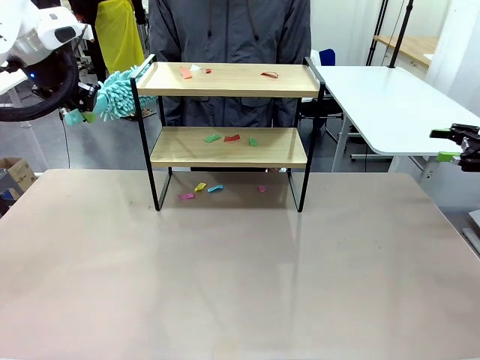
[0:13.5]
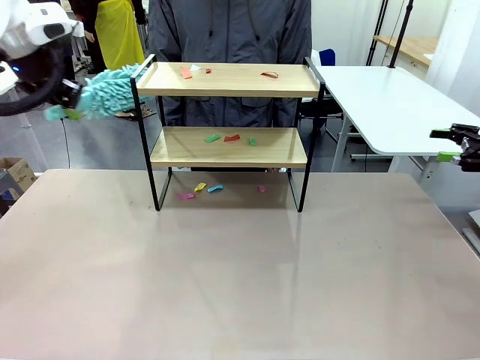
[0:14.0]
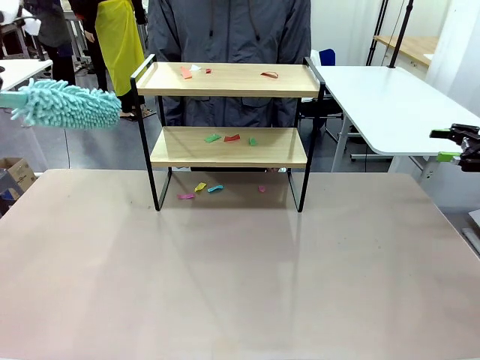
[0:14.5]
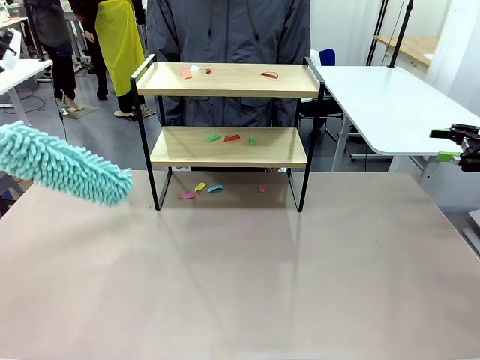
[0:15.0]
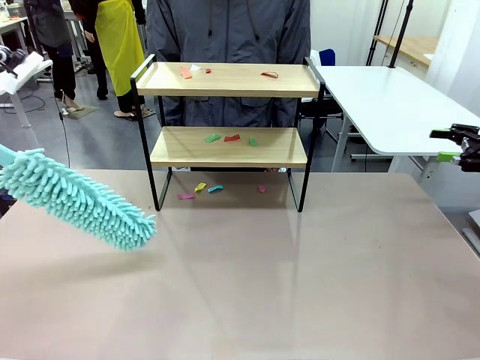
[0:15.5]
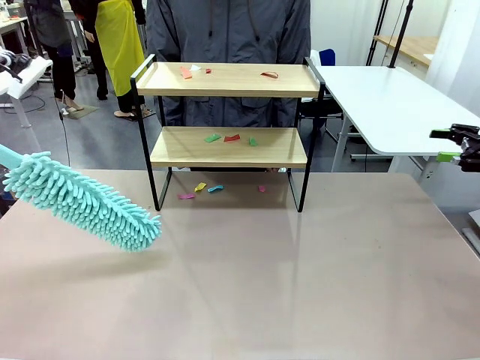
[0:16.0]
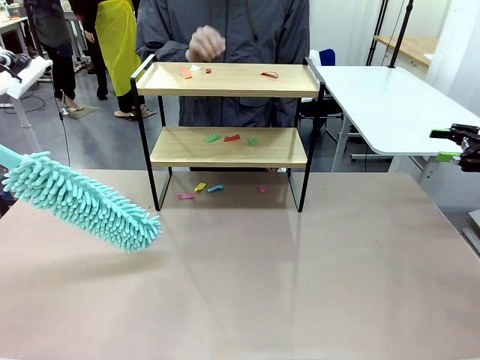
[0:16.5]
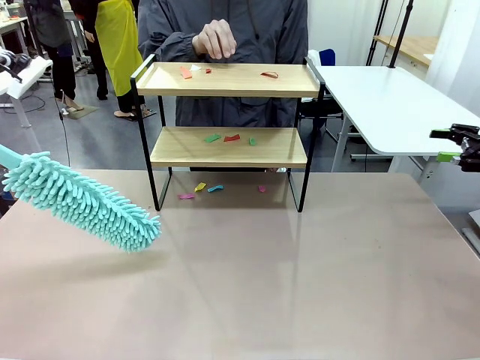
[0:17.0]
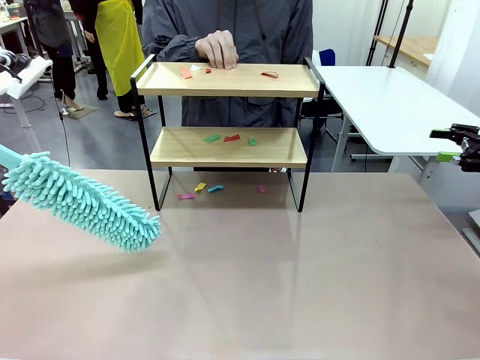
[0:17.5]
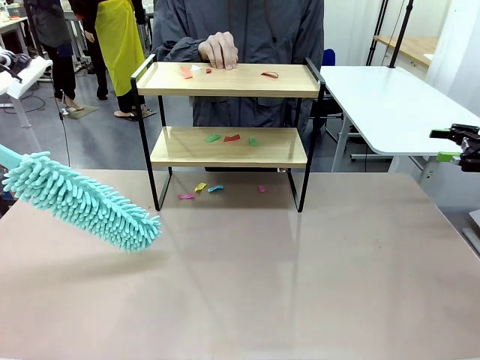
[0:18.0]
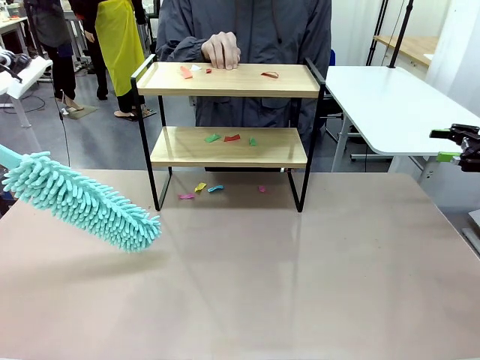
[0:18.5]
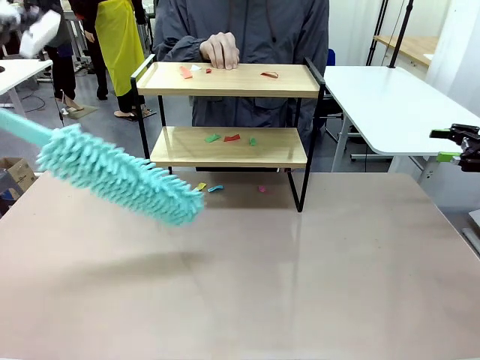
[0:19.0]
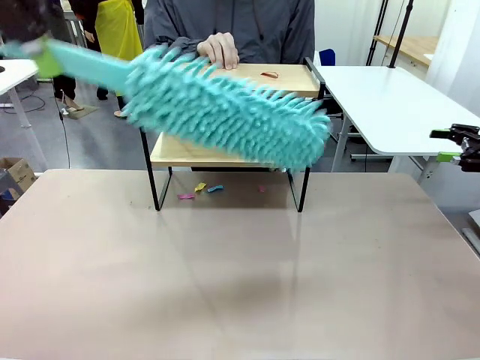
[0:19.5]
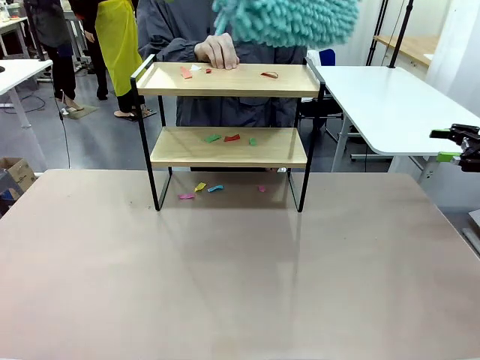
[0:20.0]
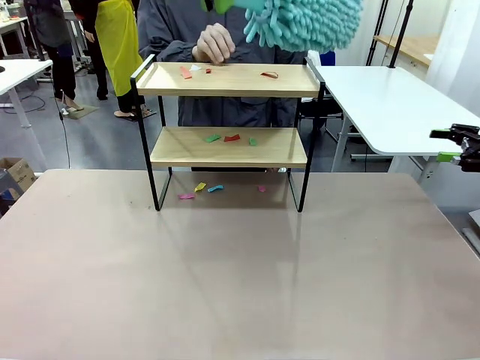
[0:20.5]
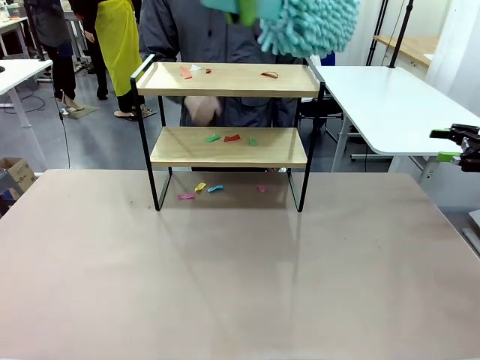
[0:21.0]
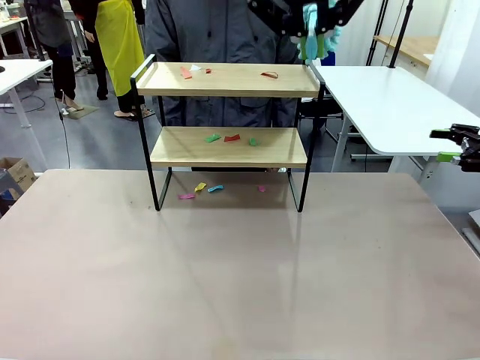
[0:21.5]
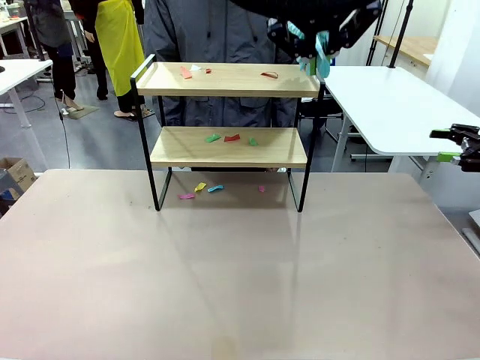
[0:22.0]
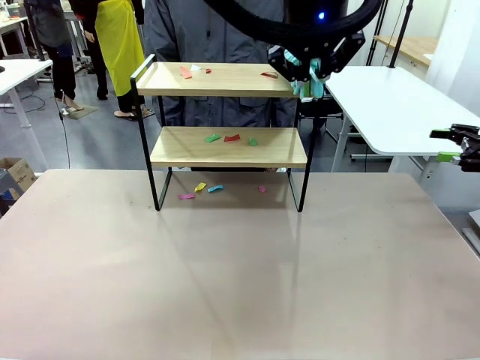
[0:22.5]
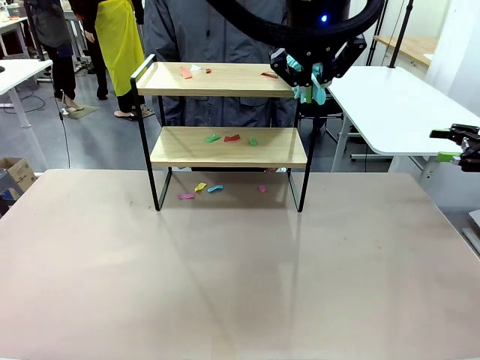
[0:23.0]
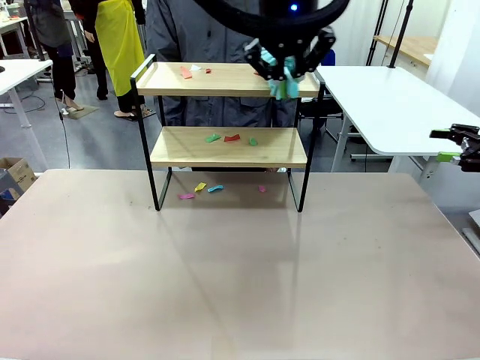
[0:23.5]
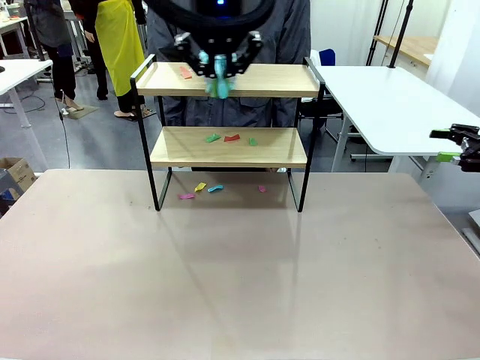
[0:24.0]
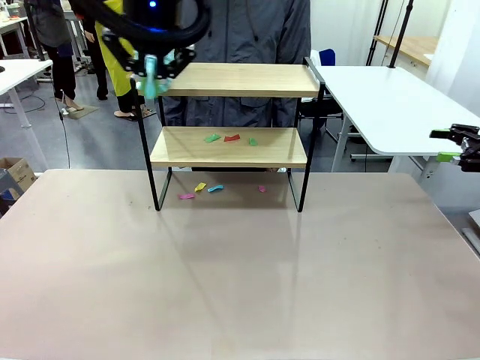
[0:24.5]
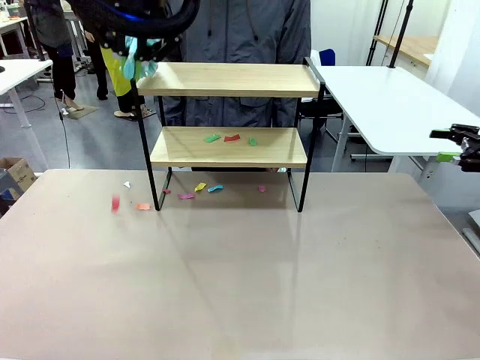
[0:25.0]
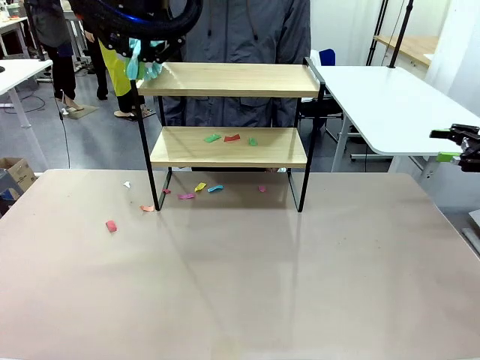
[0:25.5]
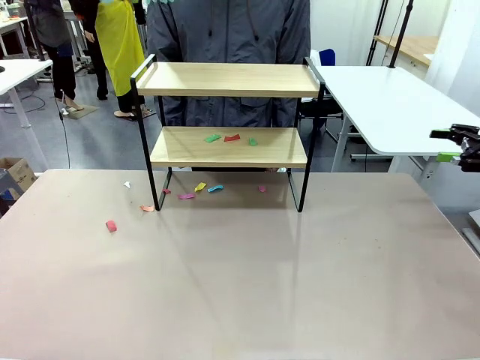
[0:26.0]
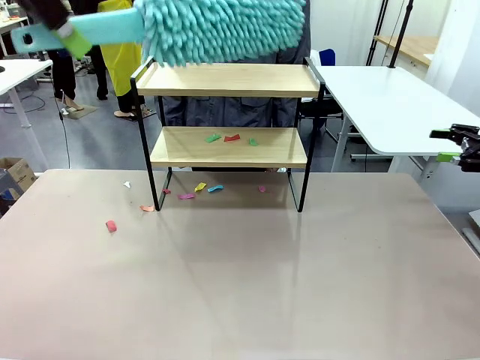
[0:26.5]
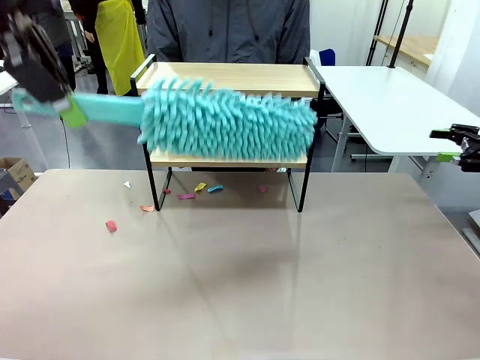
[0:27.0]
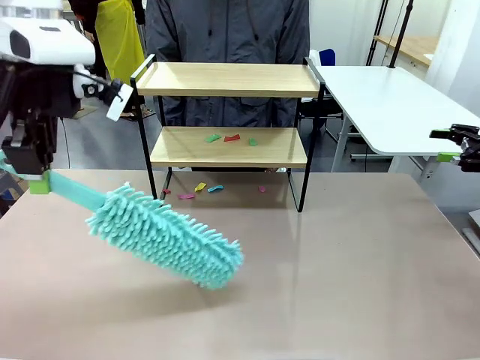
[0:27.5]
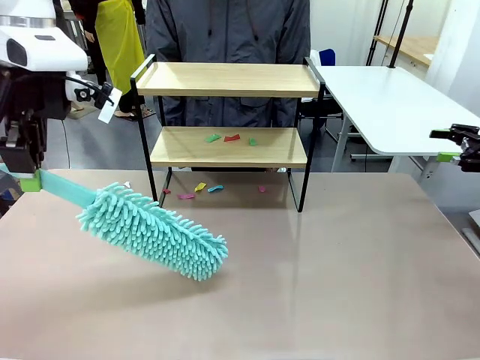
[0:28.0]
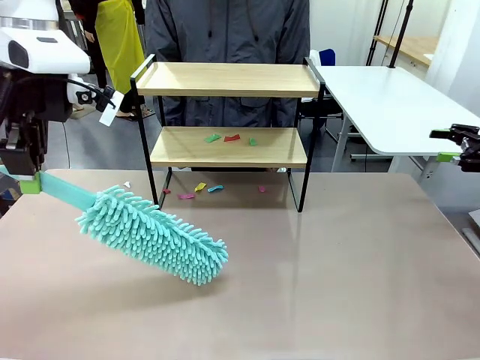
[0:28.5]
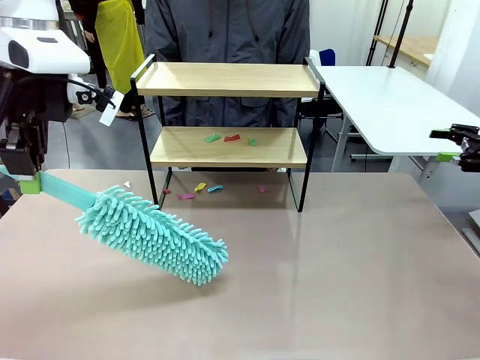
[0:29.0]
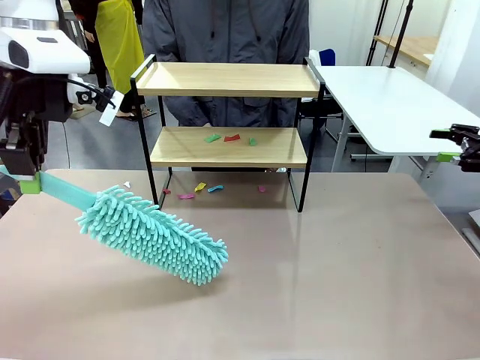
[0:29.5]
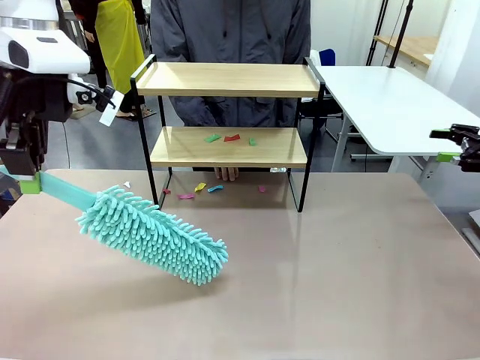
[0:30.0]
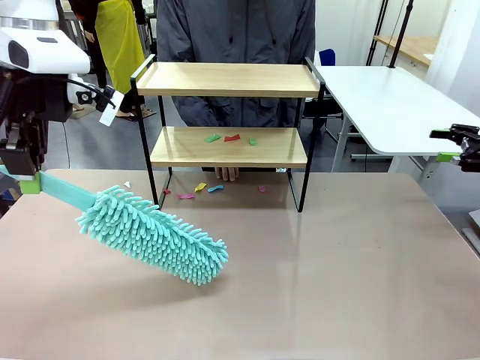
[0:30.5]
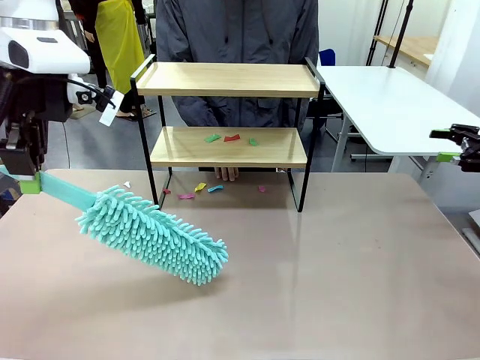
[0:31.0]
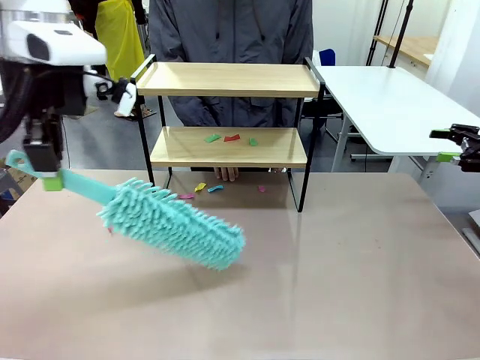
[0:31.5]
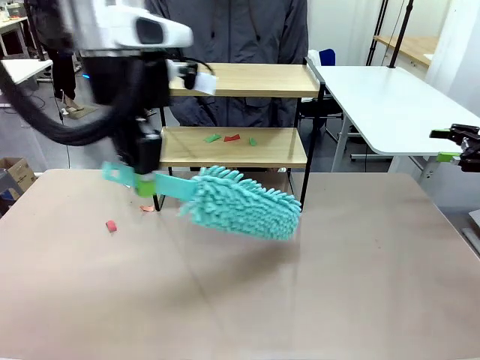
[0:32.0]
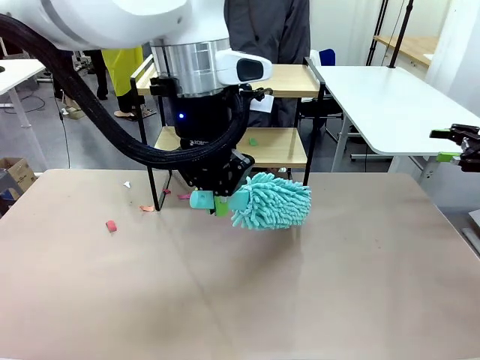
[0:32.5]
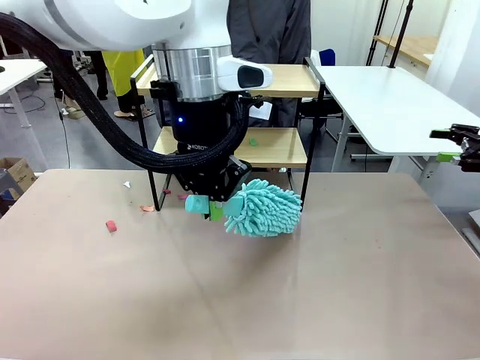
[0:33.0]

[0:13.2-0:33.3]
Task: Clean the shelf.
Robot: Clean the specific section of the Shelf indicated by the human with the Duster.
Person: Point a random section of the Shelf.

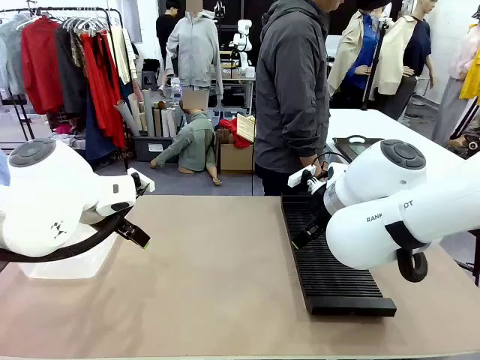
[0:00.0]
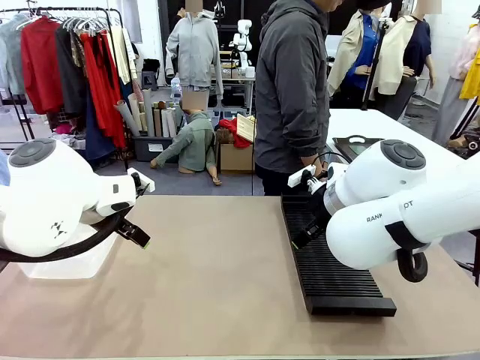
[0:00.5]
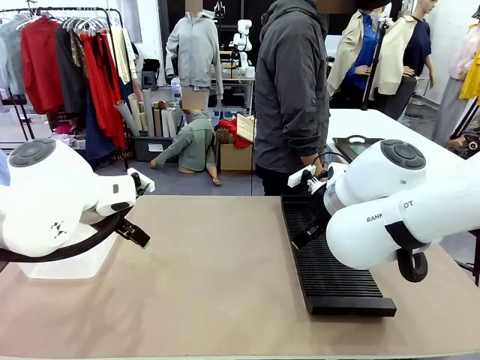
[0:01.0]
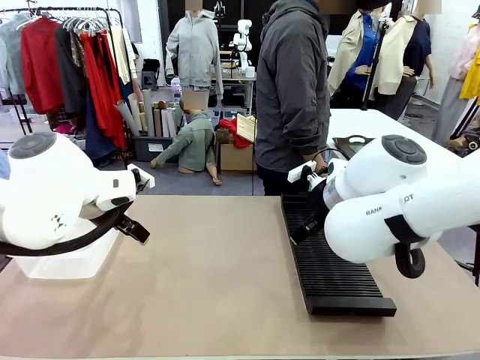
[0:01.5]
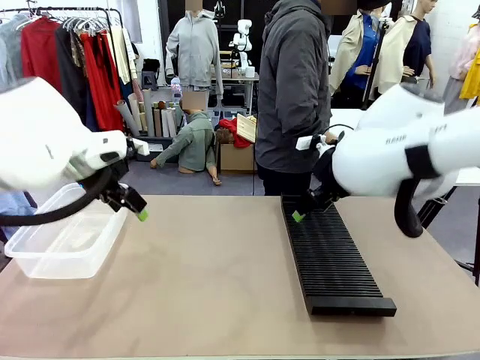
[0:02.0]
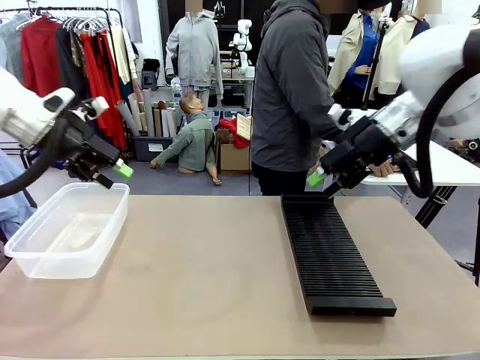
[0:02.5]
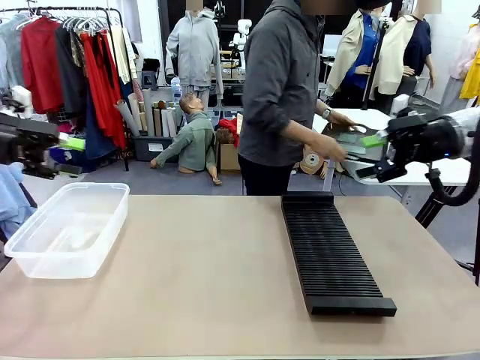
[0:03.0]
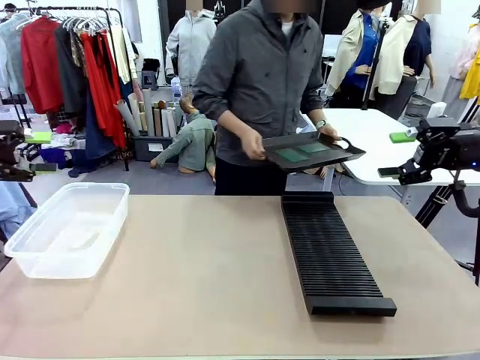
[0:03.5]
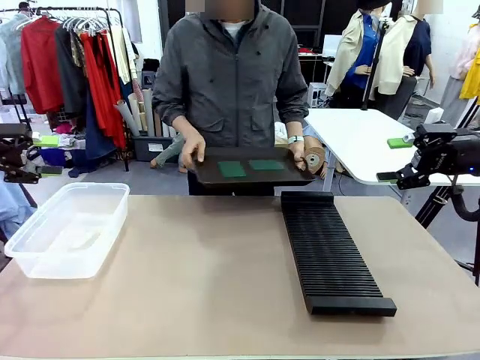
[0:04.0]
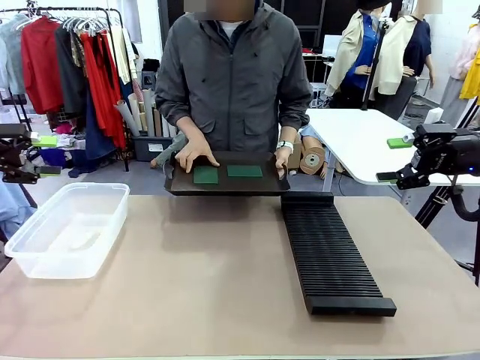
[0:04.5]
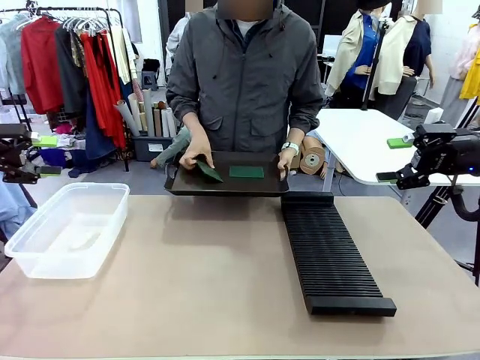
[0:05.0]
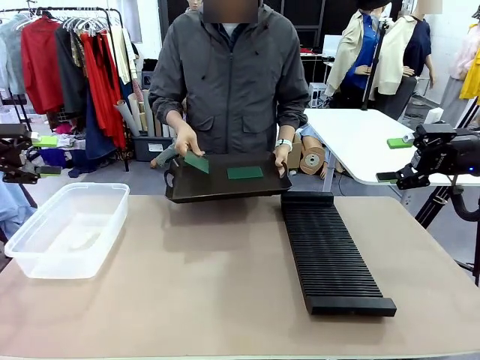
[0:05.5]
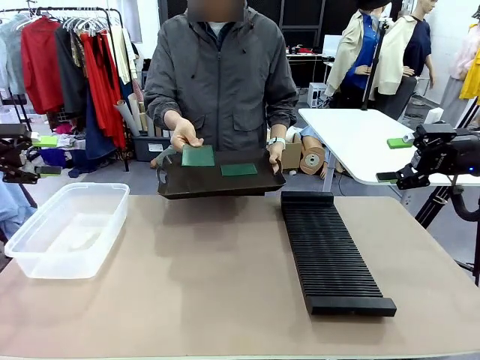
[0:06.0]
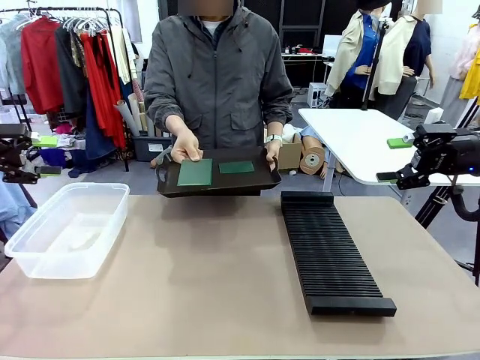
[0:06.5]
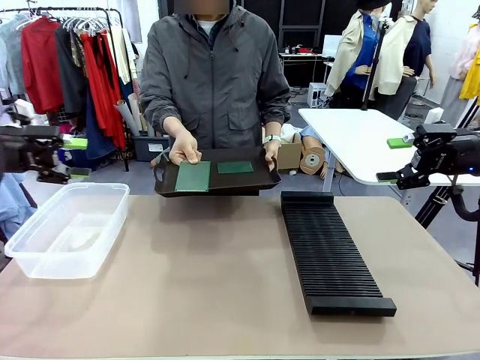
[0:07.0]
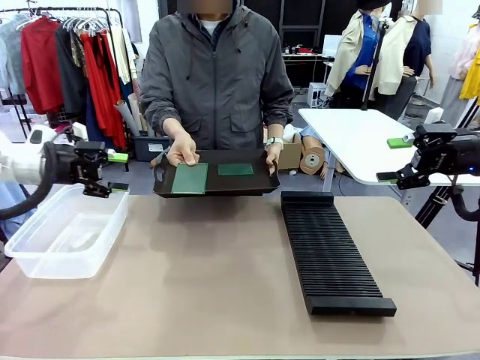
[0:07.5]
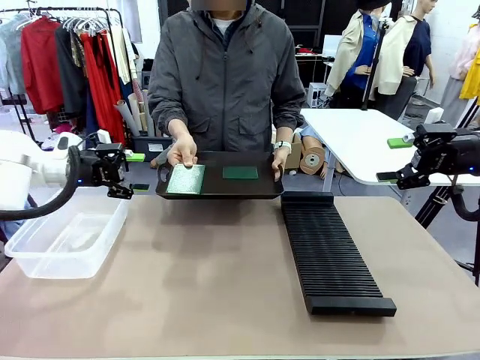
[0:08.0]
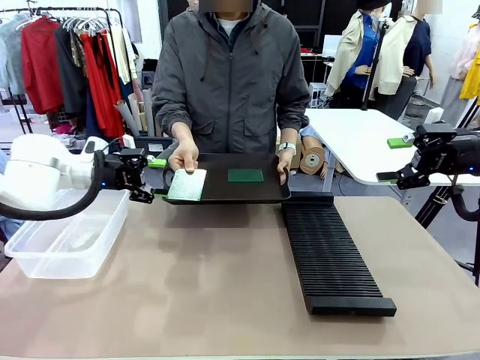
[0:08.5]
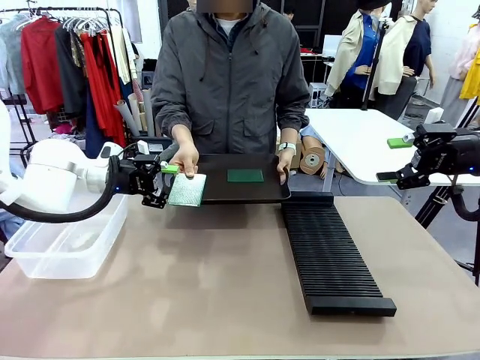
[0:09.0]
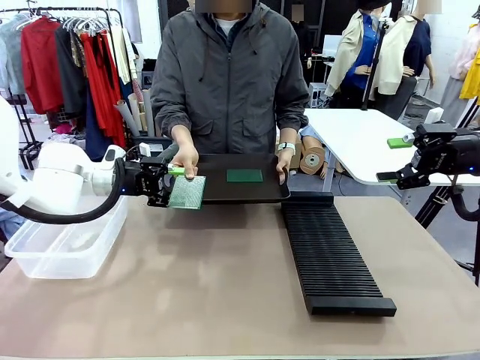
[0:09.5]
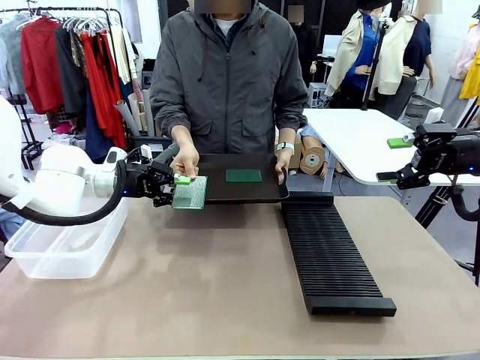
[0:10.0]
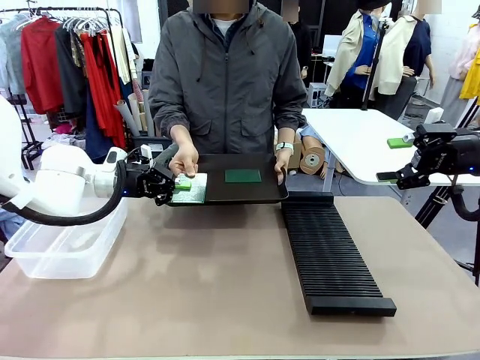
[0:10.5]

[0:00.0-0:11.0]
Task: Sort PCBs into racks and boxes based on the side picked up.
Robot: Pick up the Blank PCB handed by the Human.
Person: Pick one PCB from the tray and present it to the robot. Release the PCB being held.
